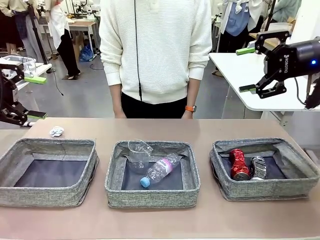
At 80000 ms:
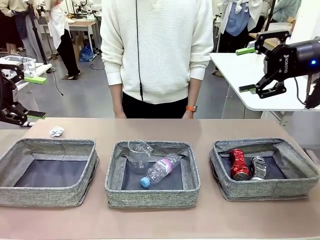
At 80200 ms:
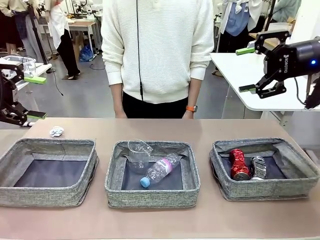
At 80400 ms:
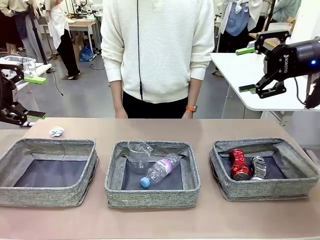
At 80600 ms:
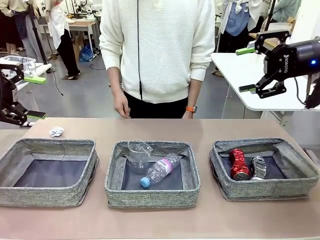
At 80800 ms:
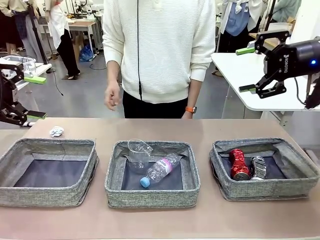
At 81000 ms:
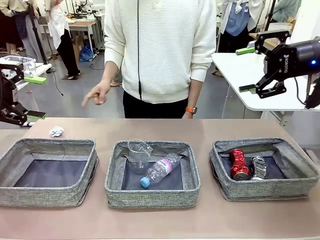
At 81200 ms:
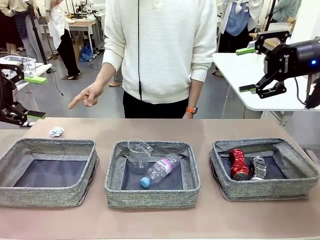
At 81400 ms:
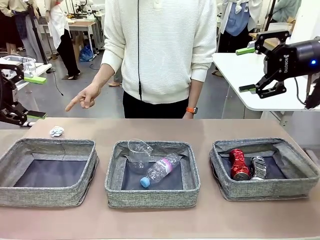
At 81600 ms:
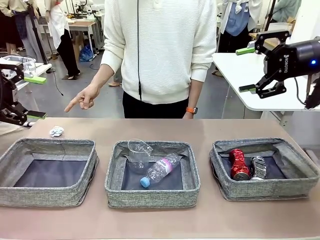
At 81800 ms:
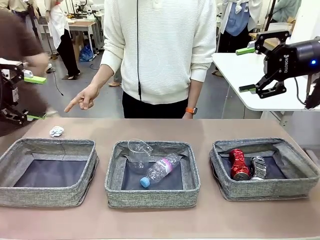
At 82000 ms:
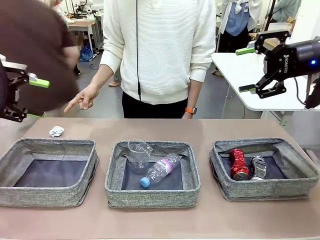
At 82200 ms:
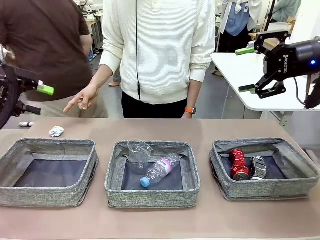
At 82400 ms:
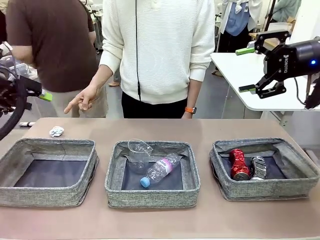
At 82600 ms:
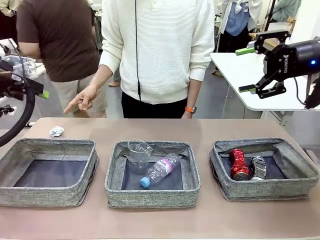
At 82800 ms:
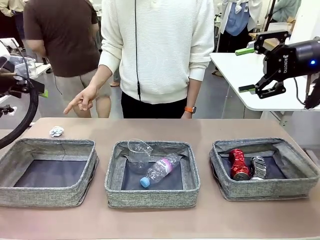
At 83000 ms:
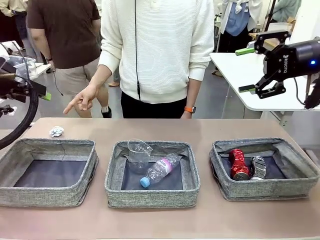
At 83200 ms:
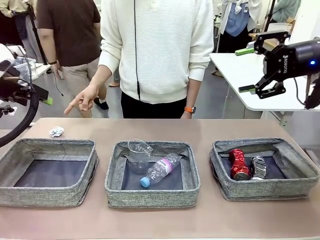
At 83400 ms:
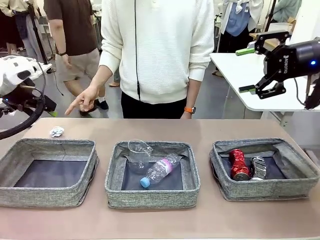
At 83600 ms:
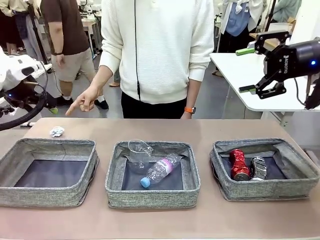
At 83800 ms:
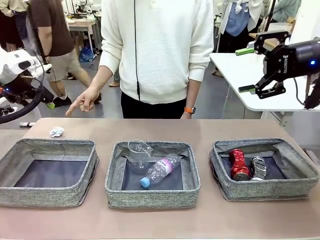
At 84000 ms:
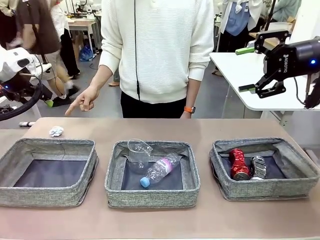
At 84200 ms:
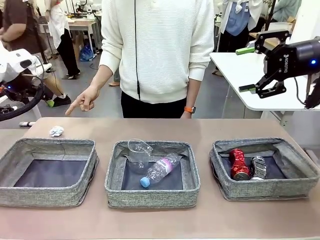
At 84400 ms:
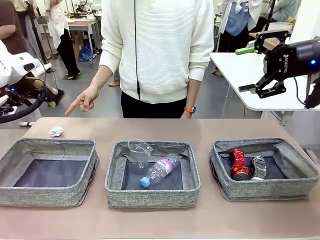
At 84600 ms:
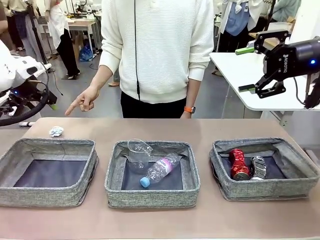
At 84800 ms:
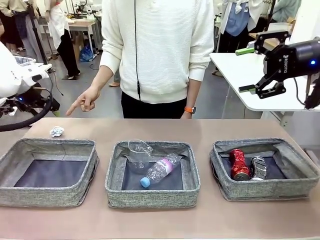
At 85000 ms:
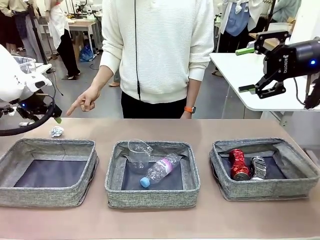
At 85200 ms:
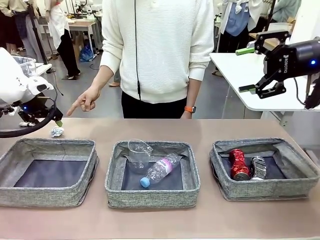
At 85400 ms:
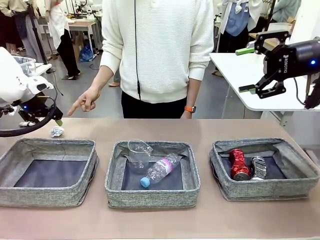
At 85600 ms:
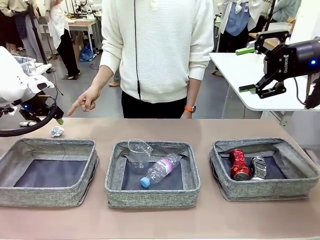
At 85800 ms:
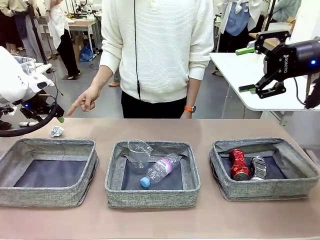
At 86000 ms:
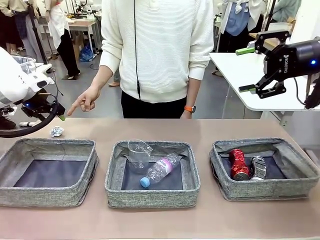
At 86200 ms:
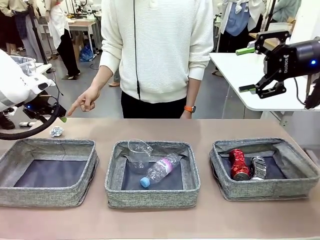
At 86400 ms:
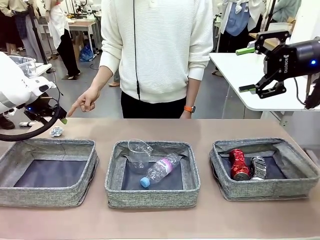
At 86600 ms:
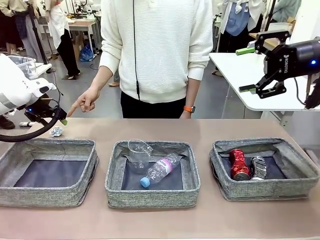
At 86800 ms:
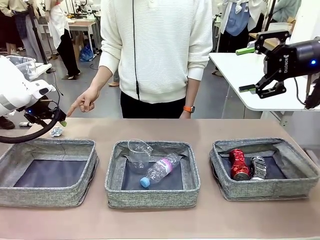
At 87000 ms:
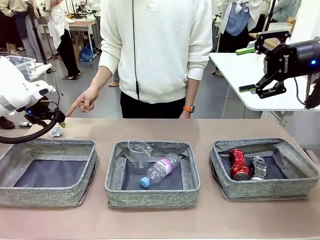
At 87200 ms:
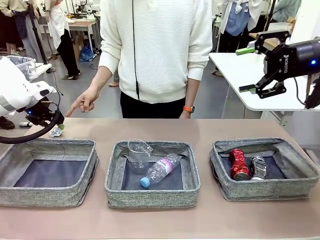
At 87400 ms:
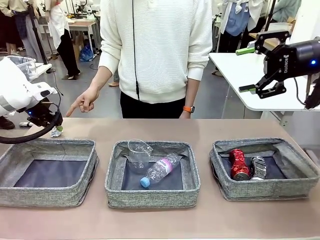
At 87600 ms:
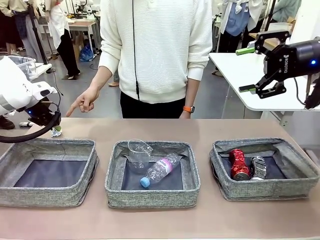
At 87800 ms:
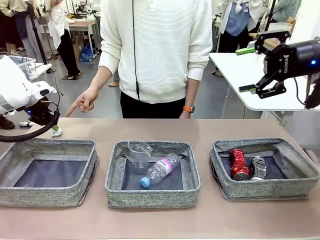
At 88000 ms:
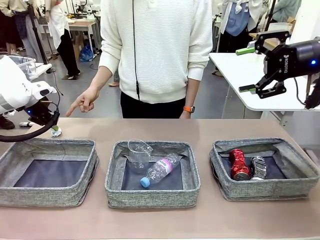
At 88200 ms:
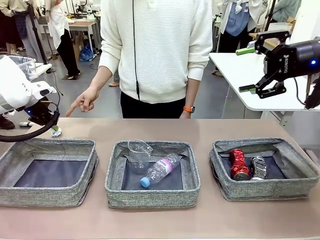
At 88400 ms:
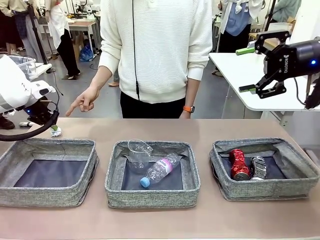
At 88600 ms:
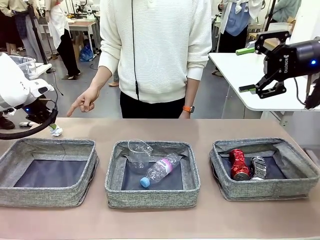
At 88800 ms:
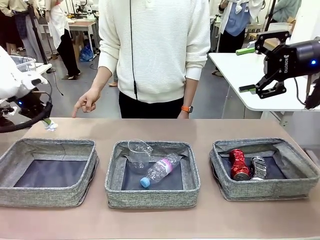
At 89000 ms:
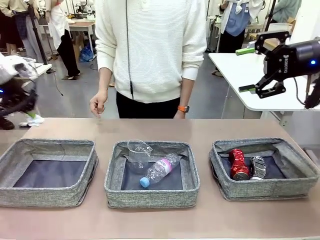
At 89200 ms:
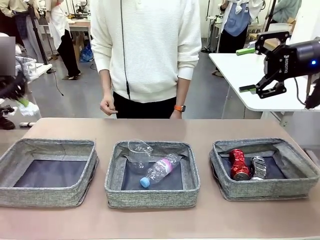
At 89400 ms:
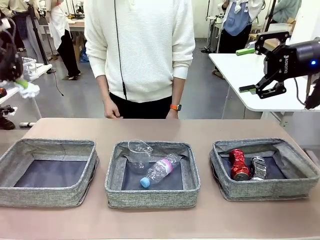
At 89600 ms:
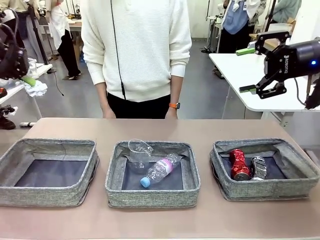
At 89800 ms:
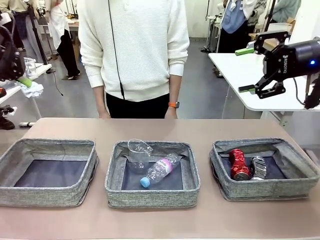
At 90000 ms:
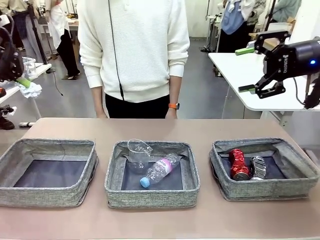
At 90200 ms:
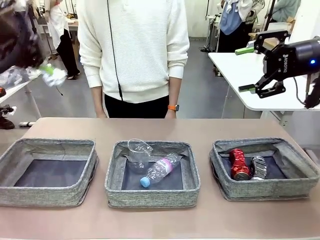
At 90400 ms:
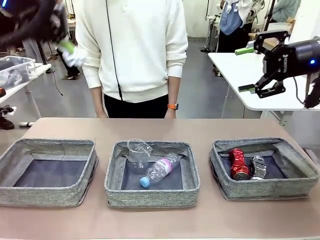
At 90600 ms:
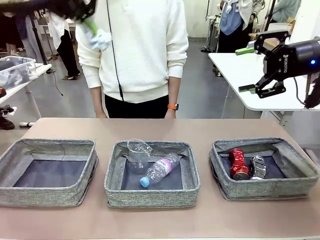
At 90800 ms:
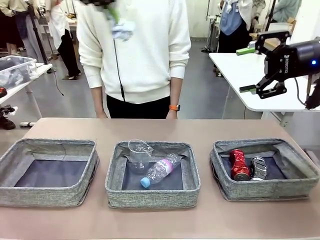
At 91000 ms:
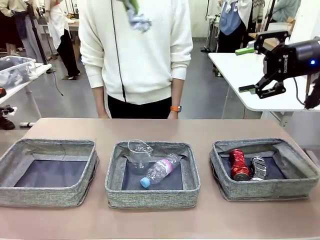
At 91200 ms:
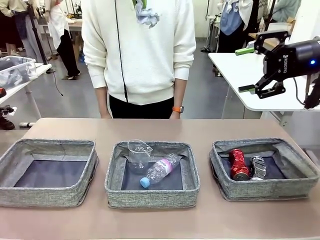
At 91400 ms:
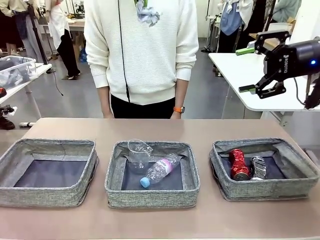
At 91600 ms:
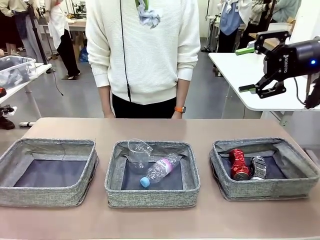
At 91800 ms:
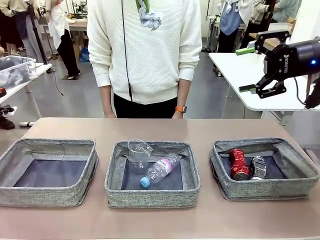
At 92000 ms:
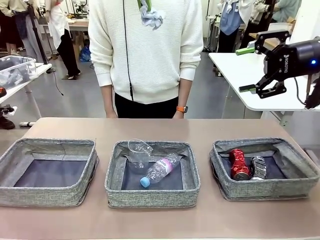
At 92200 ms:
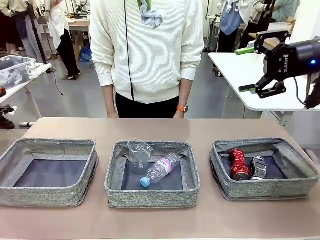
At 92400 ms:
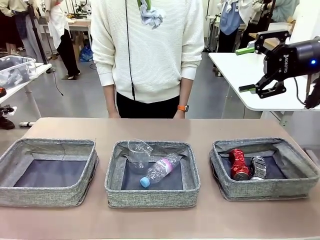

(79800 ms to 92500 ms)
Task: Sort the waste into the appropriate baskets.
Robot: Pick up the waste item pointed out by the person.
Person: Points to one piece of trash on the table.

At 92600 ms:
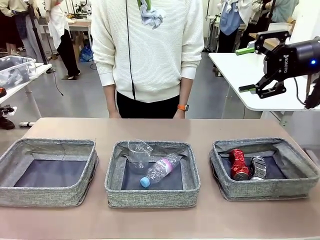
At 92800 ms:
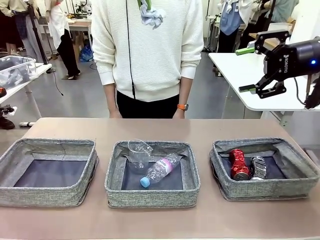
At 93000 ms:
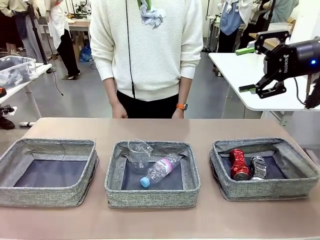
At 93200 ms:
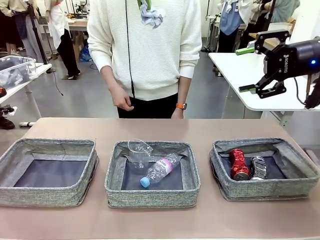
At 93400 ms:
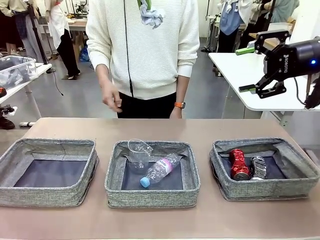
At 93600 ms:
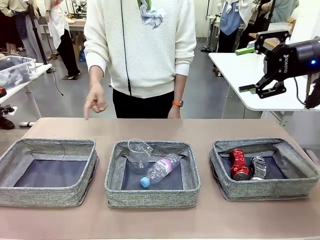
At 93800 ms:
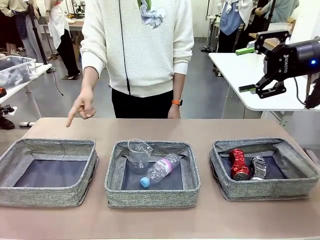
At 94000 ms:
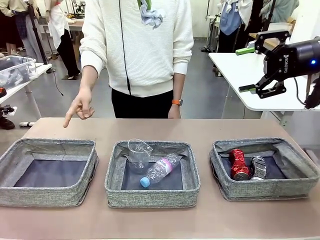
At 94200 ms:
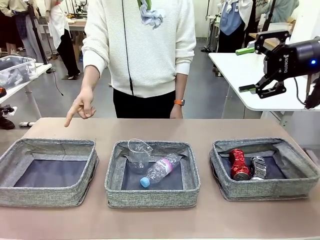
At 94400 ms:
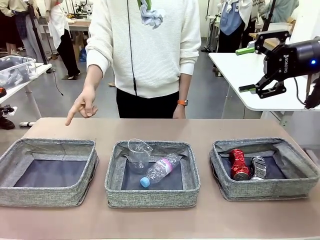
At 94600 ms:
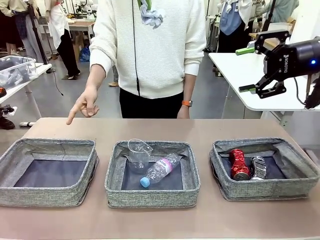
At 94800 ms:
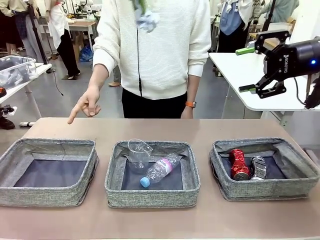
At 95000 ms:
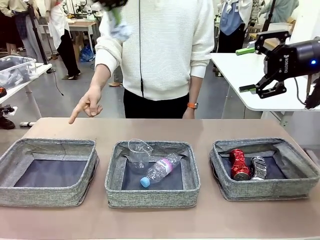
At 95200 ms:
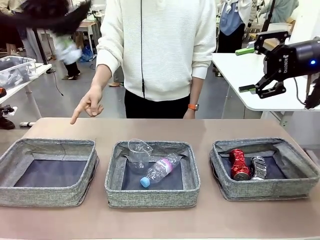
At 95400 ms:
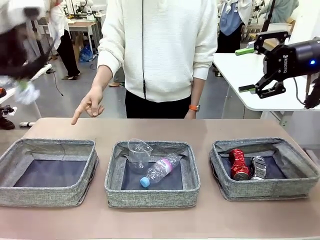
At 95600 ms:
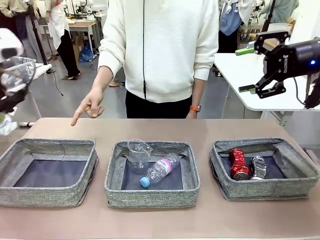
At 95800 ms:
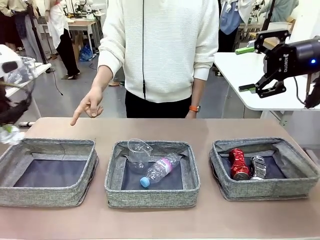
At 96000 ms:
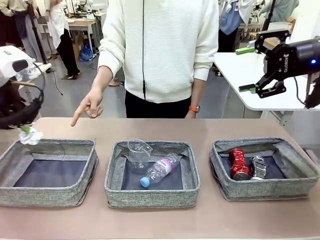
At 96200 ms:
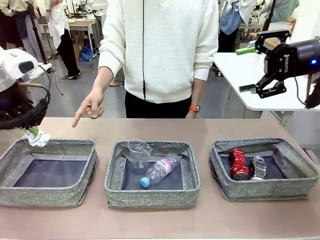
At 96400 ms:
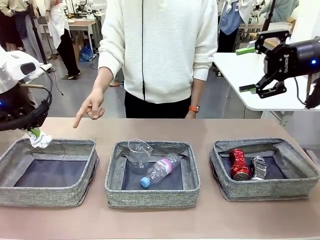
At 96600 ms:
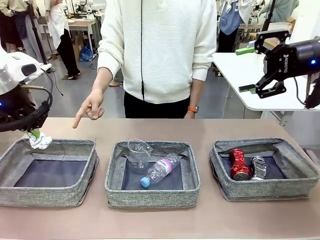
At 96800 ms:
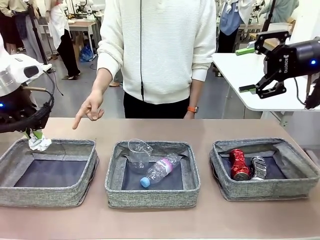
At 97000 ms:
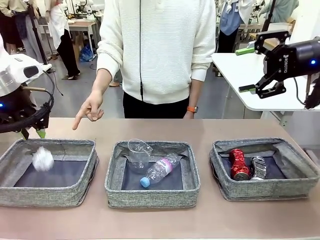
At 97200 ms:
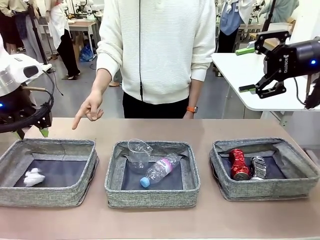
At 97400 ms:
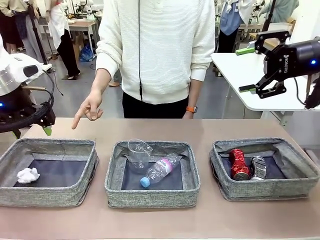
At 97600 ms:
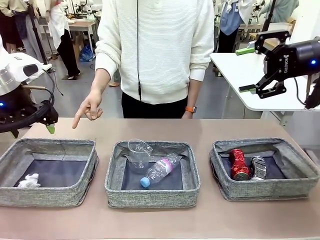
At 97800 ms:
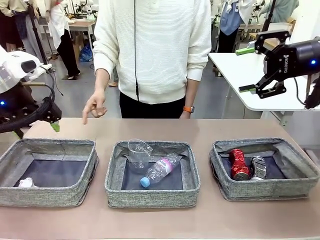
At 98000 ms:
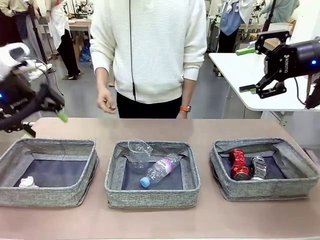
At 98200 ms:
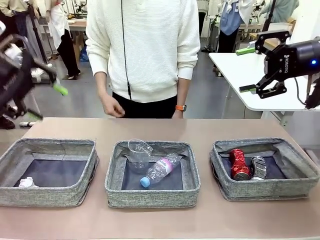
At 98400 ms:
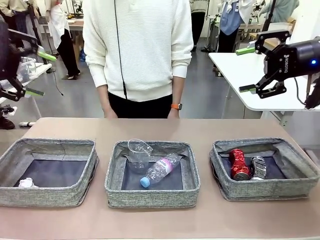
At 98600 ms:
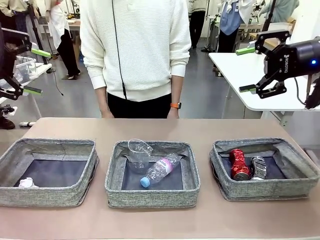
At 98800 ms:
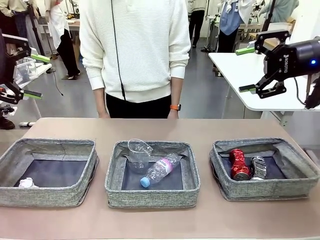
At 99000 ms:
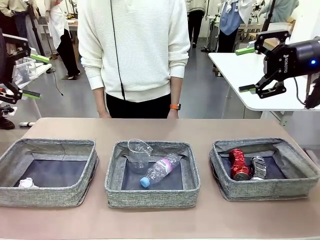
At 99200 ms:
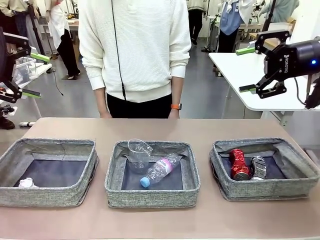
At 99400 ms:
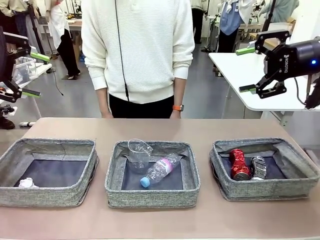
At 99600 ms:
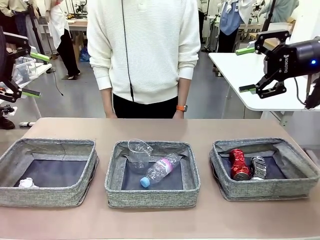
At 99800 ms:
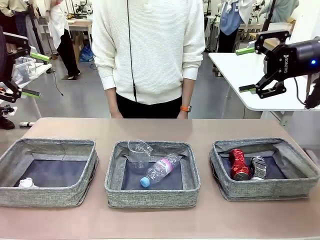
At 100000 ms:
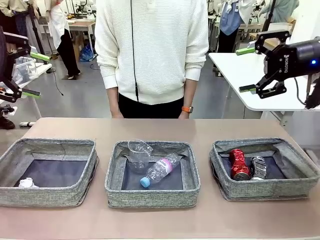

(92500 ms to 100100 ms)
Robot: Place the picked waste into the Fabric basket indicated by the person.
Person: Instructs the robot to place the picked-up trash into the appropriate organizing basket.
